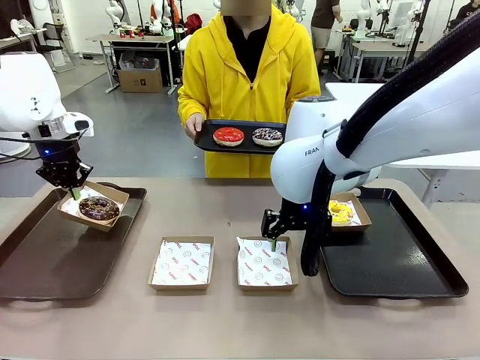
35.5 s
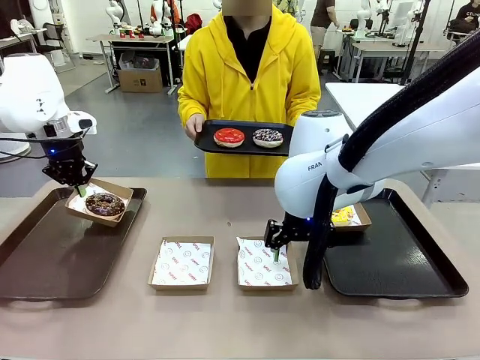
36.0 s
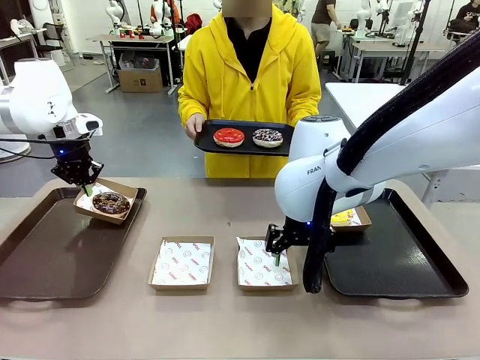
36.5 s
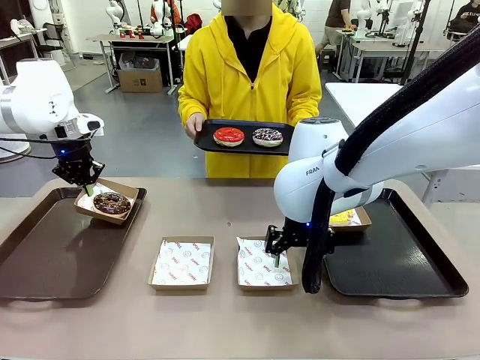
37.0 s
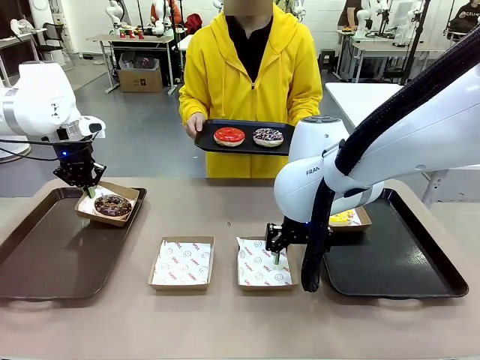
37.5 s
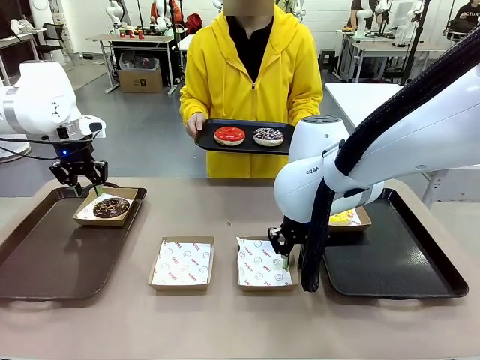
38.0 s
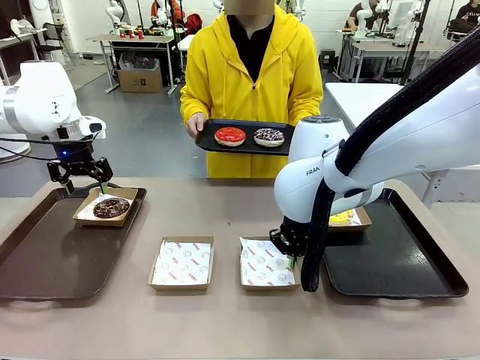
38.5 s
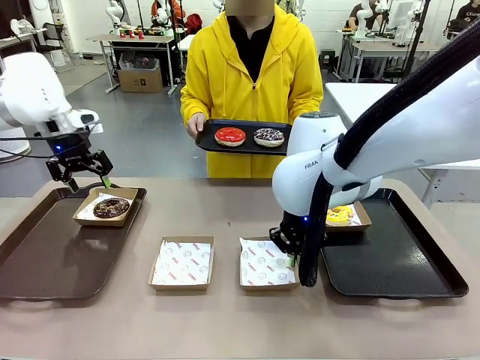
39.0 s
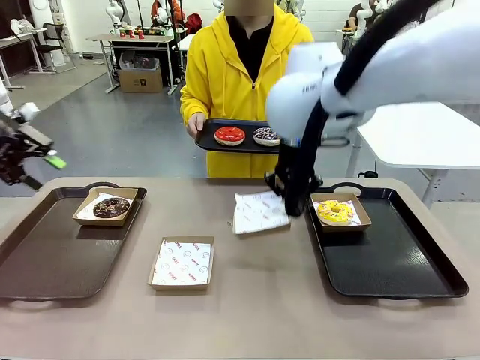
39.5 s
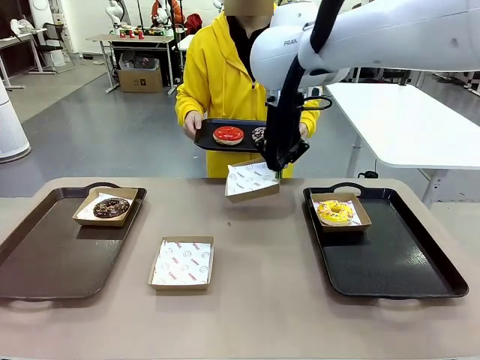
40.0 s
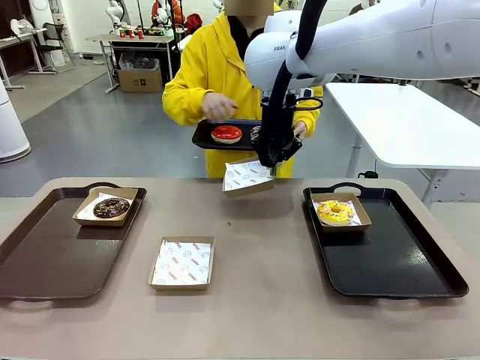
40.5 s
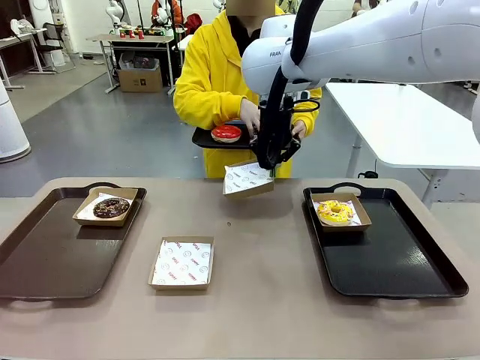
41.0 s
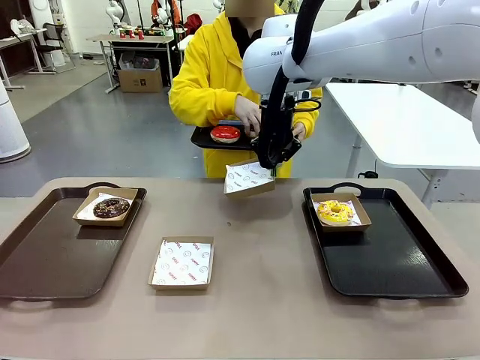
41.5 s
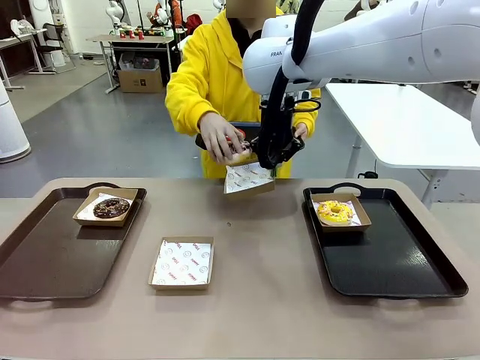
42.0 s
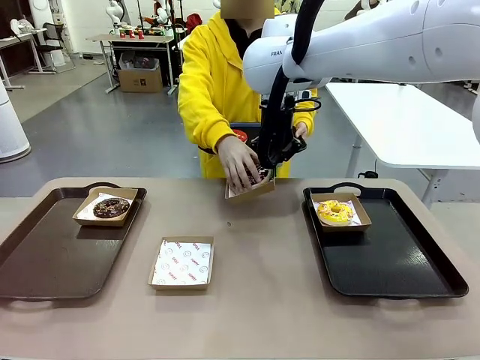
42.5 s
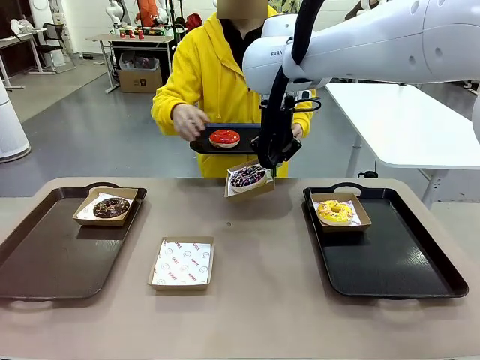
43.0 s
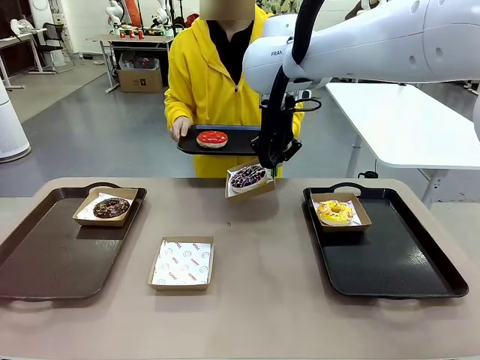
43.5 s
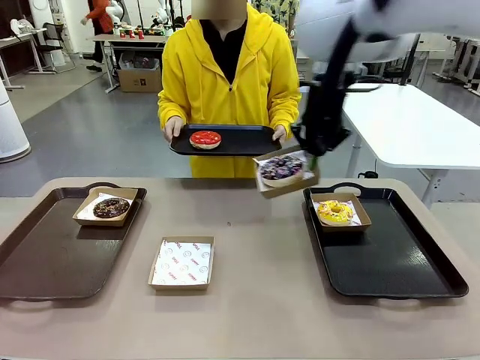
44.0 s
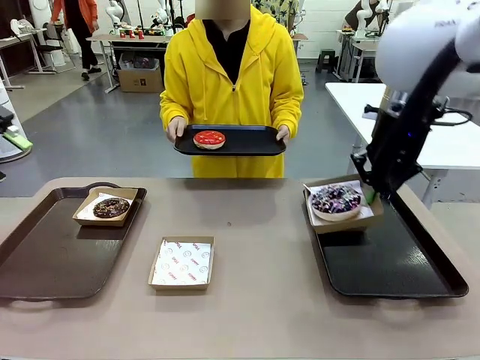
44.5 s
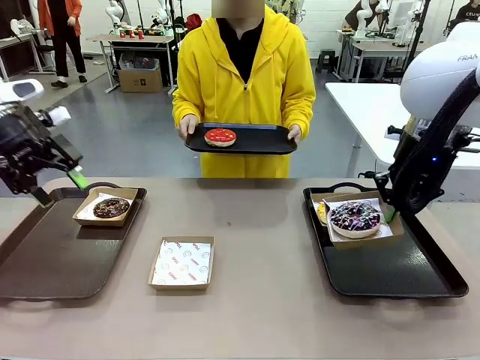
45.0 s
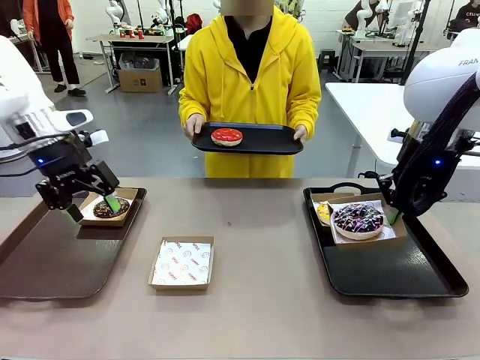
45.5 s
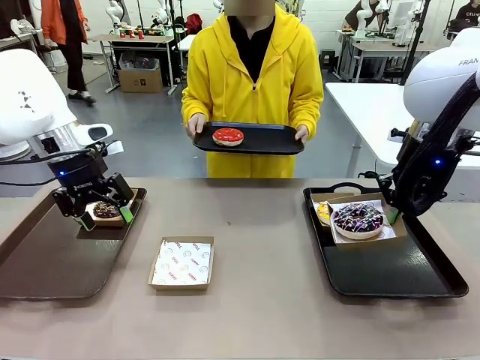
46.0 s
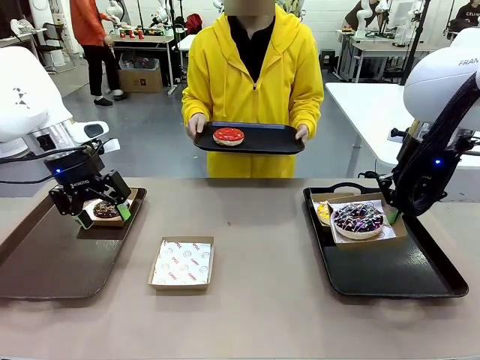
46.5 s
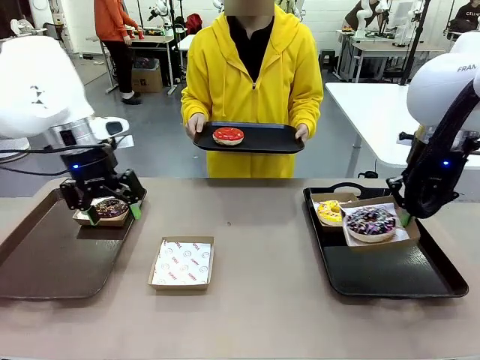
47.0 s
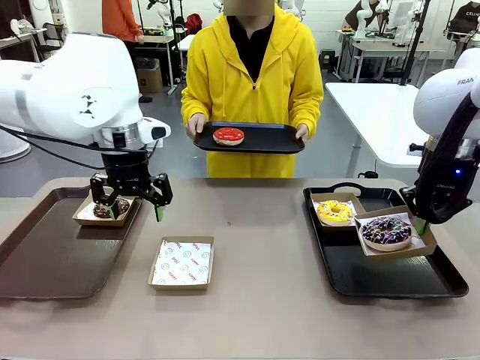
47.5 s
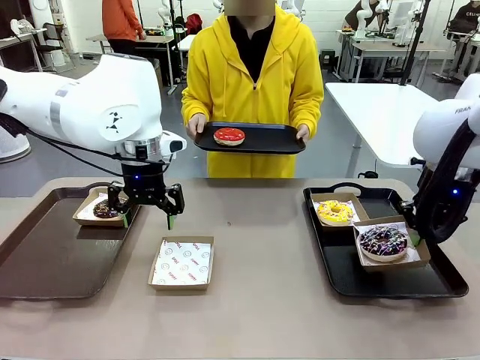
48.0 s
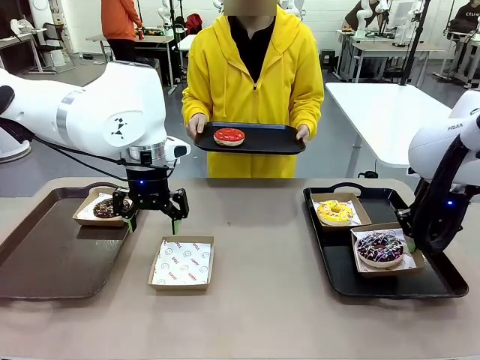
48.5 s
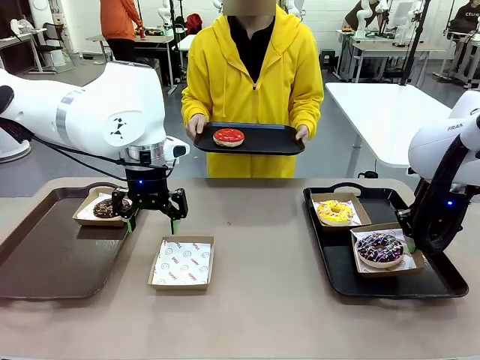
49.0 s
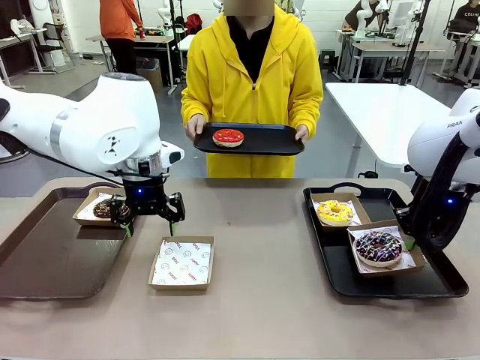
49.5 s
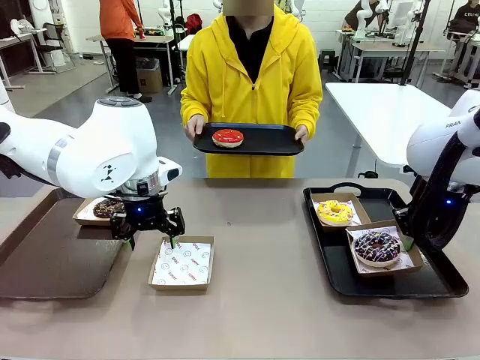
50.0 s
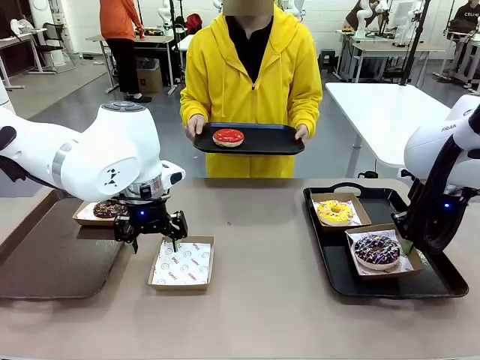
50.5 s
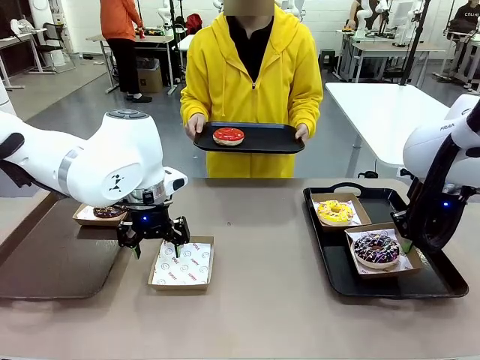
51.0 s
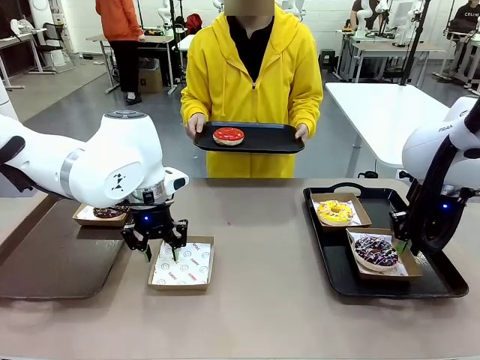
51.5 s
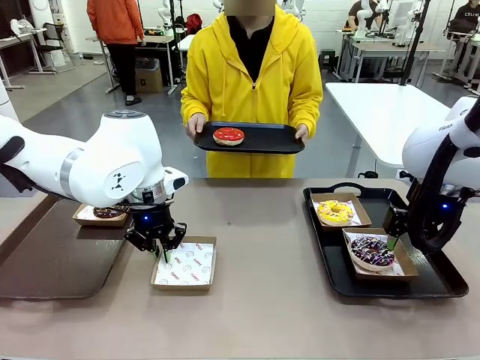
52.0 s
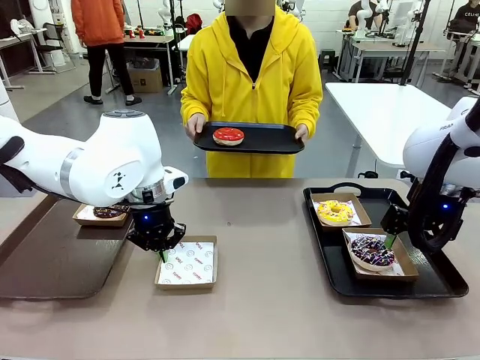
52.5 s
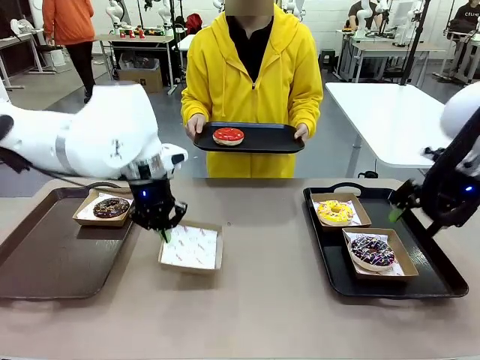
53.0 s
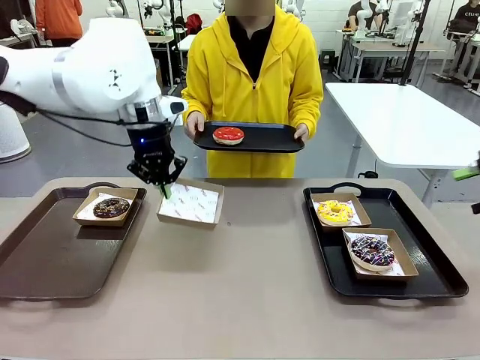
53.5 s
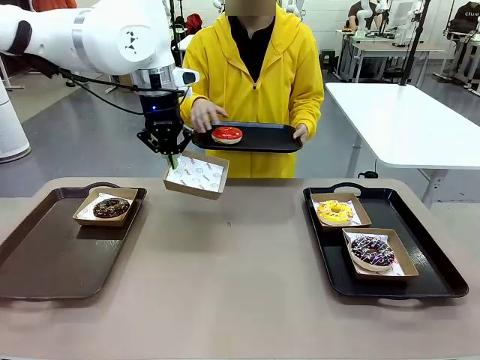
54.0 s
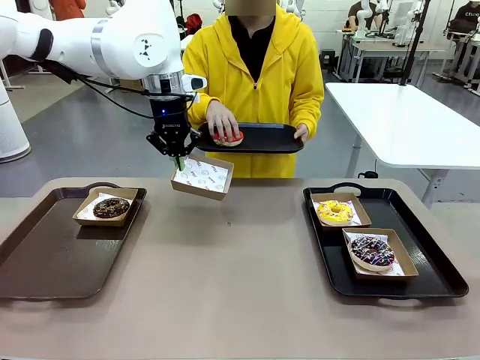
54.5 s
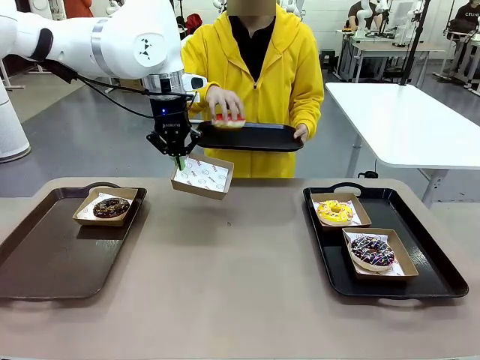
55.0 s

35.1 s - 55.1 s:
Task: Individually package the donuts and arrange them on the tray.
Robot: Place the picked Paper togo box on the Handle tray while simultaneously picking up another Paper togo box from the table with the other hand.

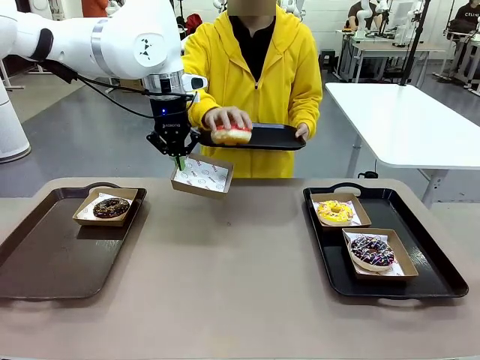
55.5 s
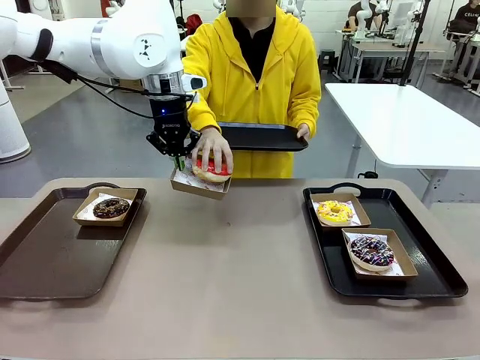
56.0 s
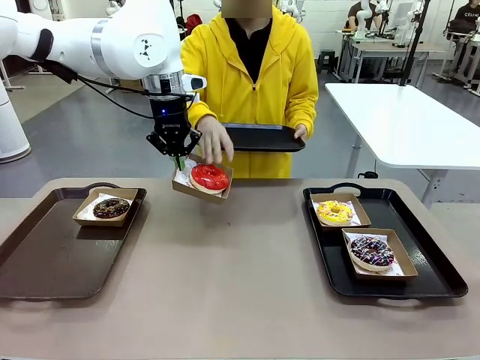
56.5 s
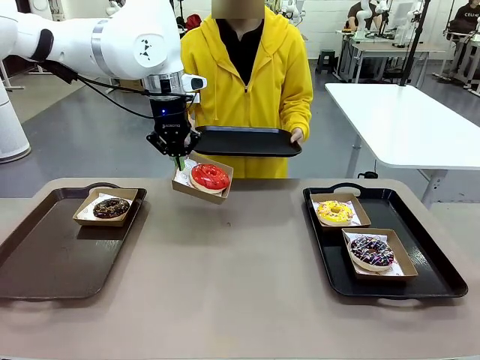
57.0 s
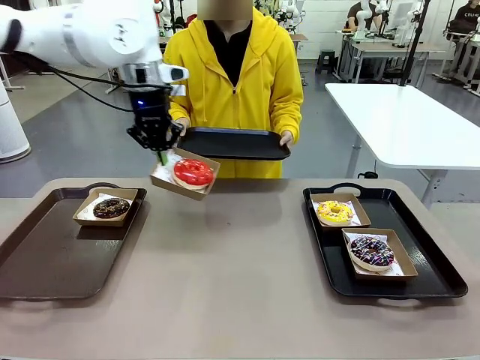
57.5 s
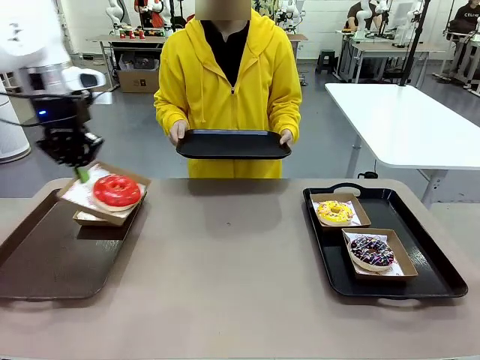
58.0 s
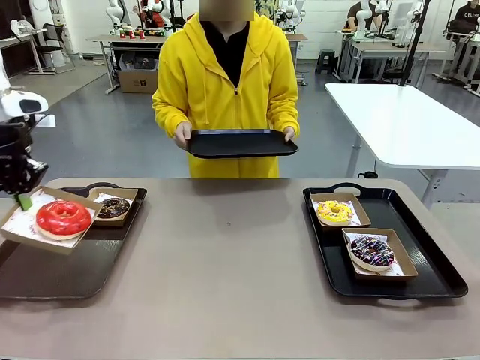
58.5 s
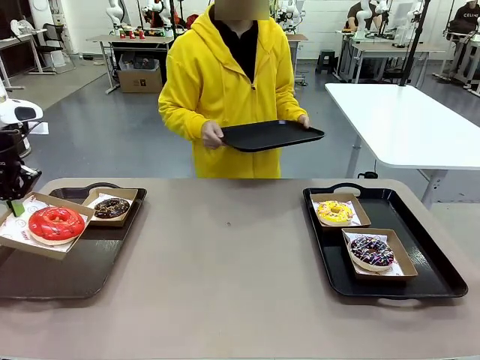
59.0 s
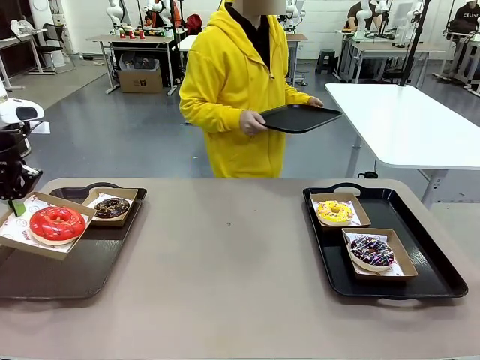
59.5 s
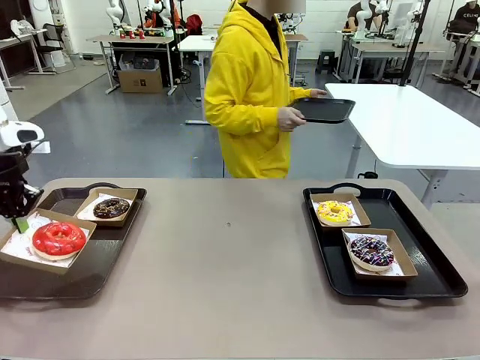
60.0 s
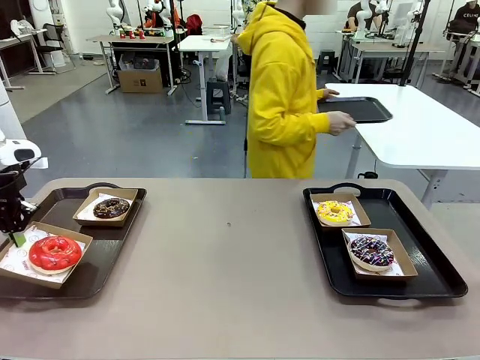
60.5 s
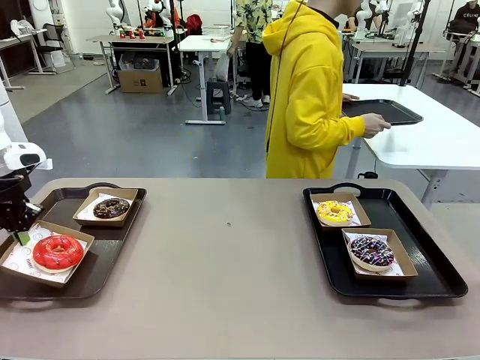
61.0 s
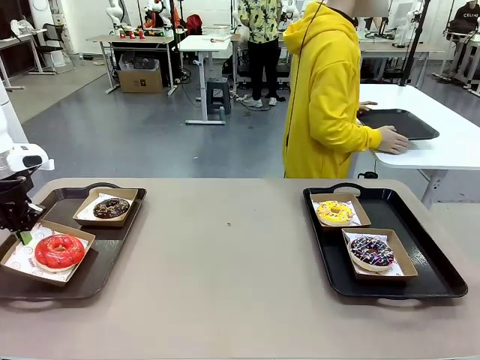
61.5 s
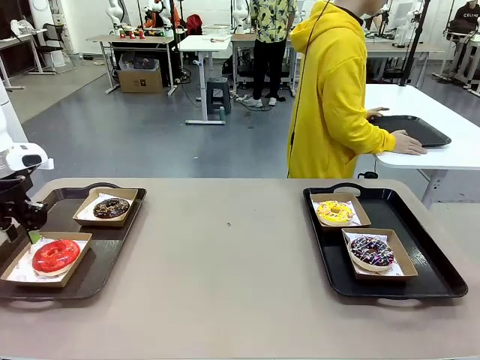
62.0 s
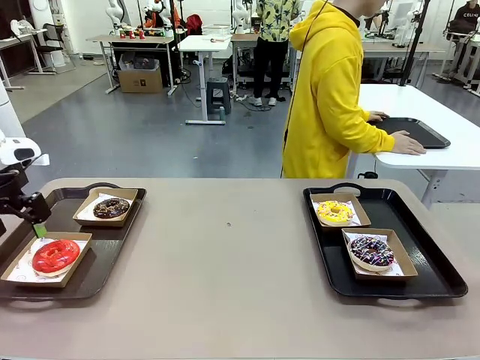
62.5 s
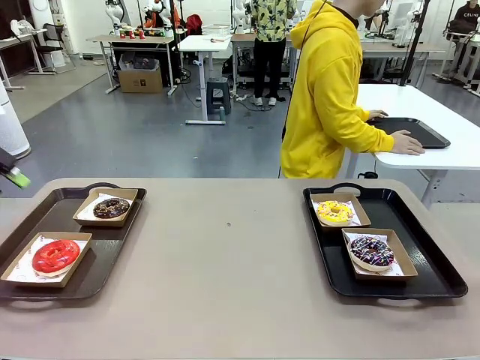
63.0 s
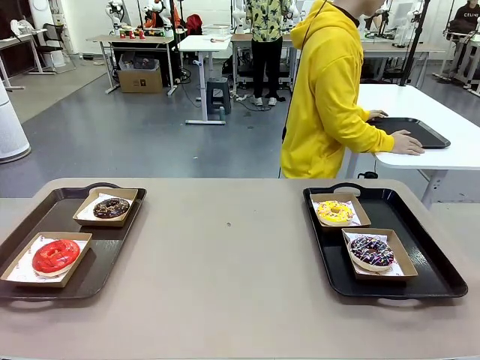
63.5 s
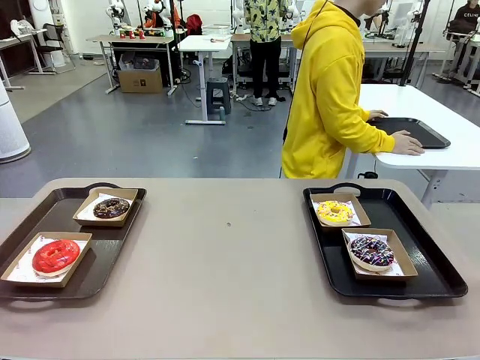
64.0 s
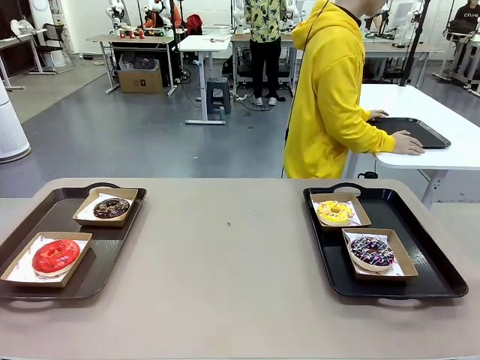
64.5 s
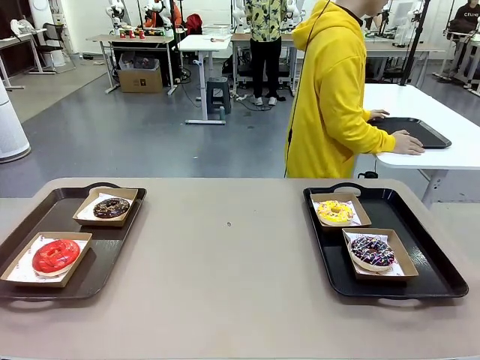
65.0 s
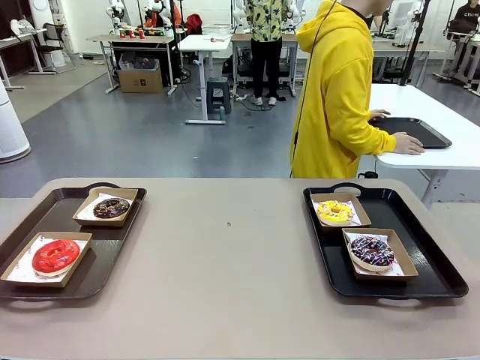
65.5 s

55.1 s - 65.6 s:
Robot: Place the picked Paper togo box on the Handle tray.
Person: Place the tray down in the middle of the human table.
